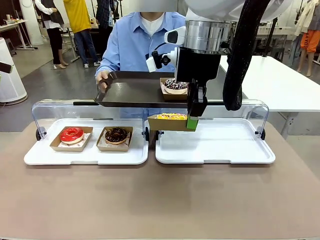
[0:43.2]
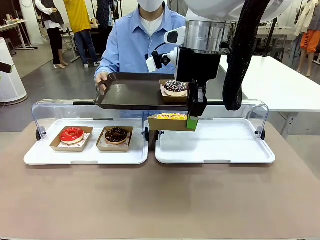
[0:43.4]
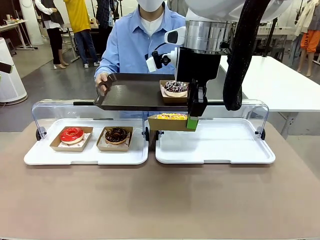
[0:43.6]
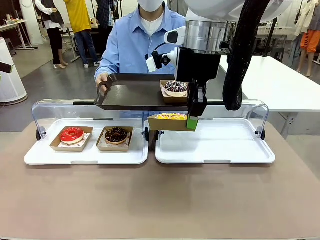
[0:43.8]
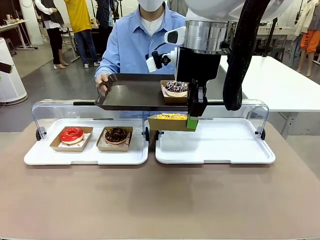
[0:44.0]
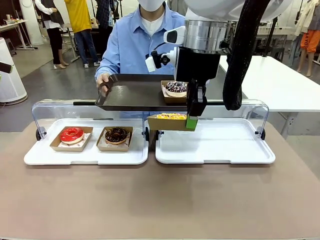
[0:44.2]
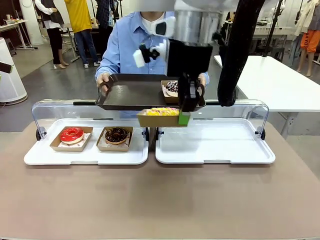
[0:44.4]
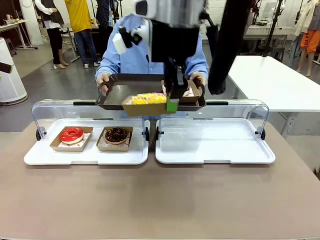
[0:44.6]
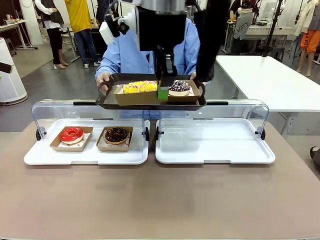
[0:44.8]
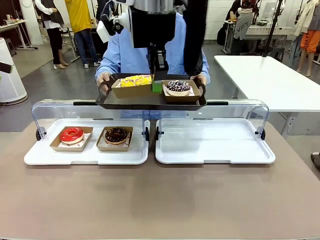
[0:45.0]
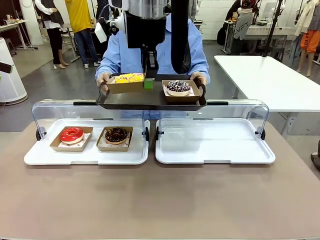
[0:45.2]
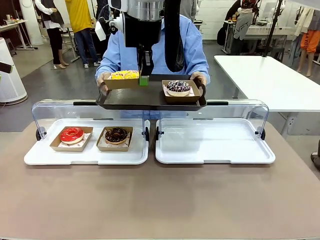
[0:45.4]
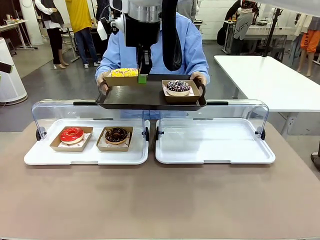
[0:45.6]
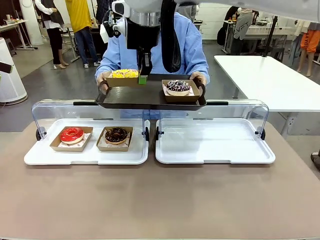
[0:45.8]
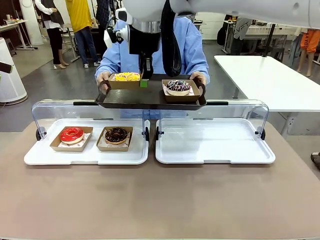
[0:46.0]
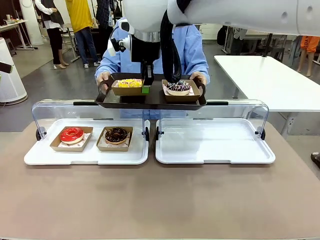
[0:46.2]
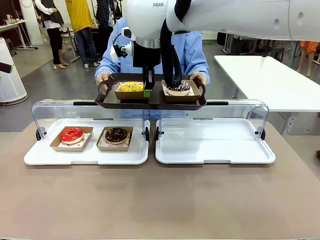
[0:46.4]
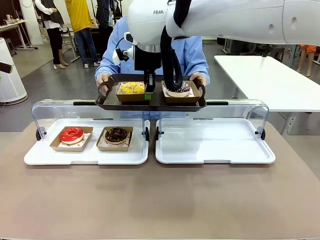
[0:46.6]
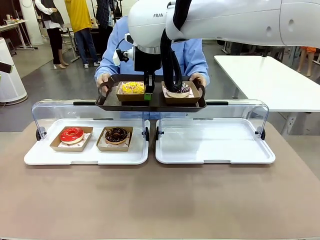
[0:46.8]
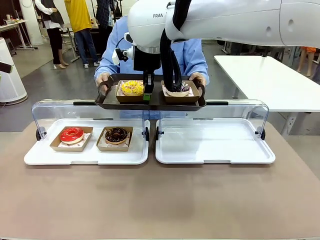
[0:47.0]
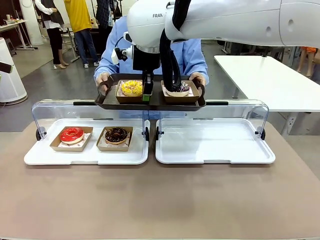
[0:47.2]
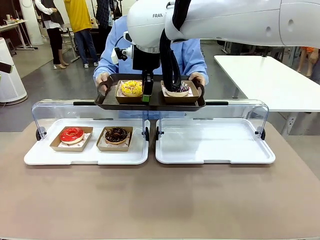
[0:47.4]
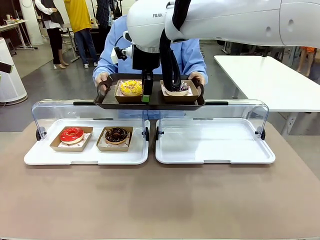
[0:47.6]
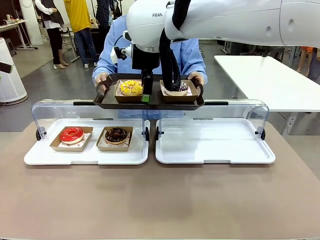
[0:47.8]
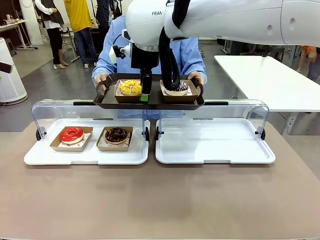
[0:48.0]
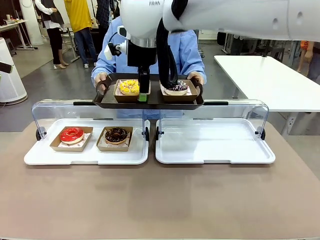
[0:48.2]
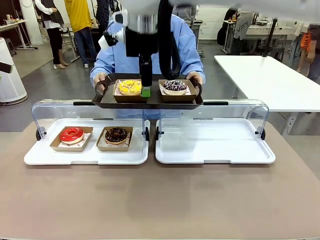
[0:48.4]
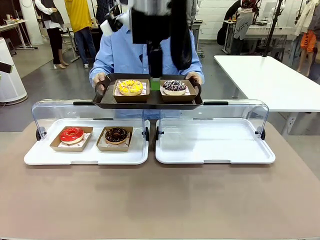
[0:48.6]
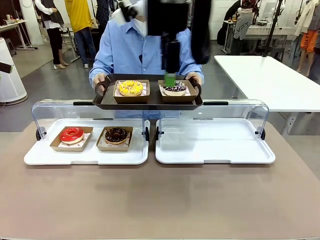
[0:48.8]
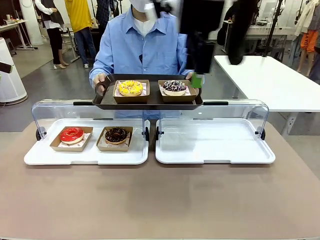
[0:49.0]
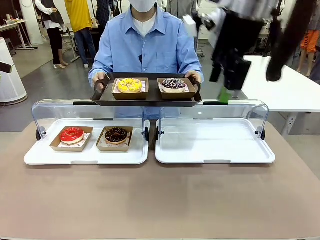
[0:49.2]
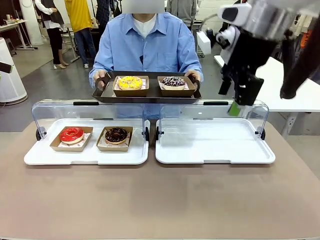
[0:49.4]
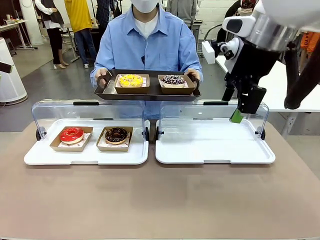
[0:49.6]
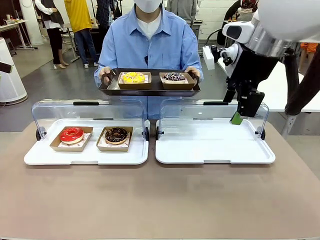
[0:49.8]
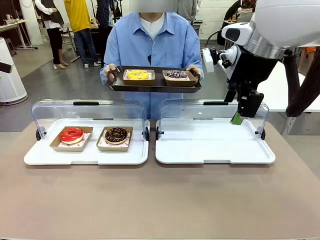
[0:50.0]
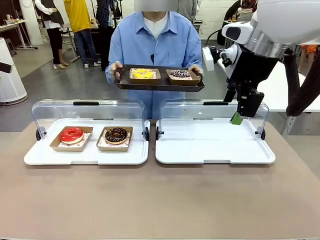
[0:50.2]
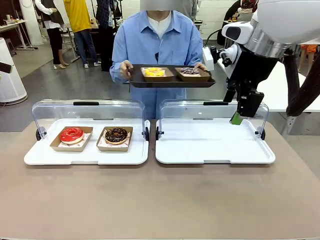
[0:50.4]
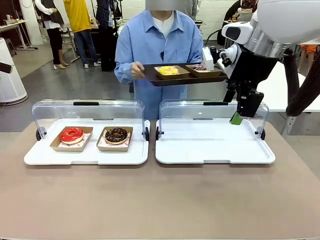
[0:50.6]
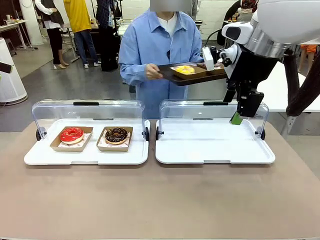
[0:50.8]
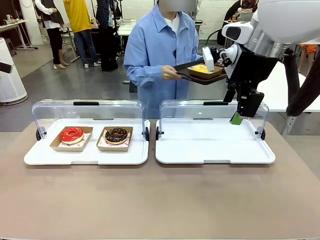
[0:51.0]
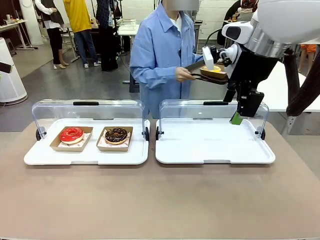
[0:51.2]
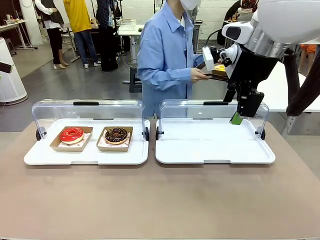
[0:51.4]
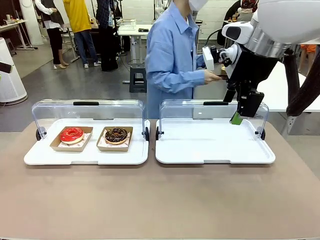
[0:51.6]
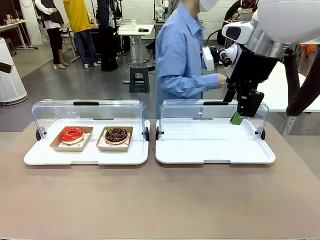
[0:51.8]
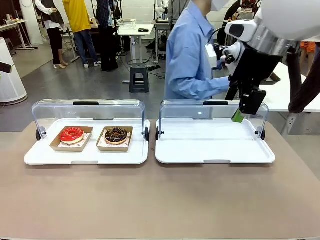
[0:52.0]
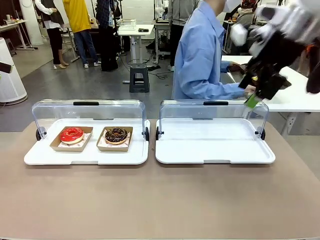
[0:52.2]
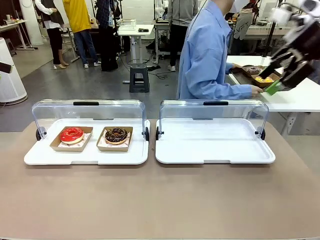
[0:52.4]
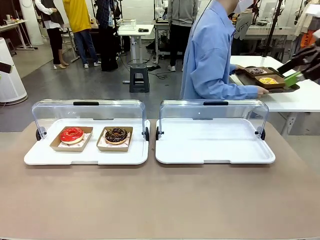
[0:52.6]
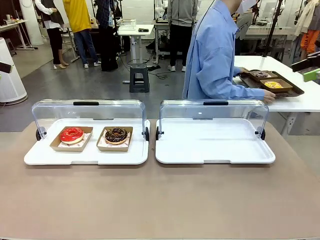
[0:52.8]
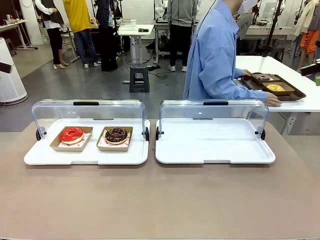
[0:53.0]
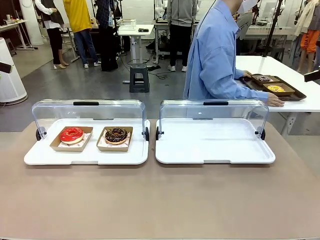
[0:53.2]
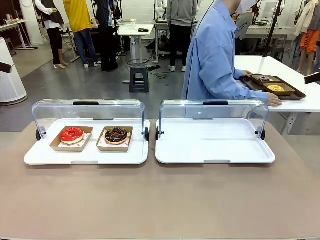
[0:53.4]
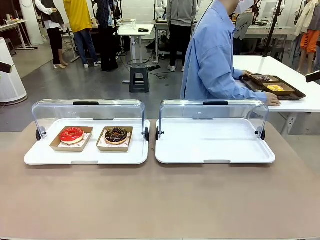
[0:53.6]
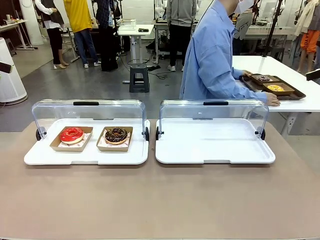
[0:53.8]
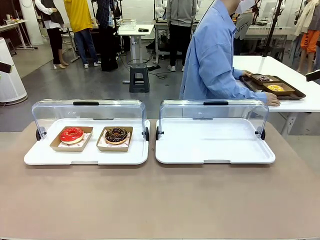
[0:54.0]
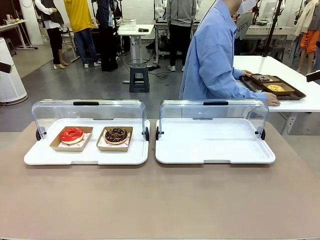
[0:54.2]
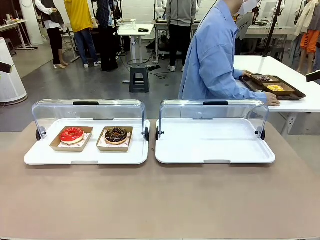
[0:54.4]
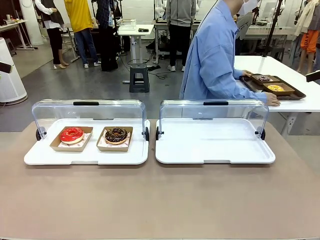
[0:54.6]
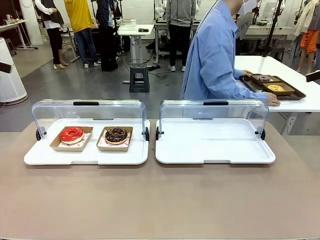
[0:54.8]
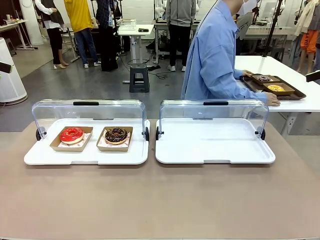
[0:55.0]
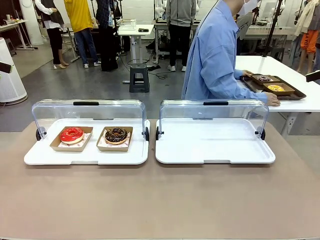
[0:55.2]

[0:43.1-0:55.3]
Task: Provide the desired donut to the person.
Robot: Place the picked Paper togo box onto the Handle tray extended by the person.
Person: Place the tray in the middle of the human table.

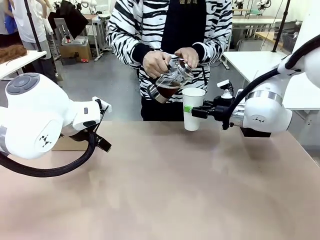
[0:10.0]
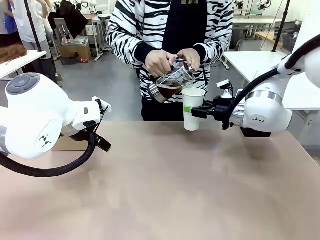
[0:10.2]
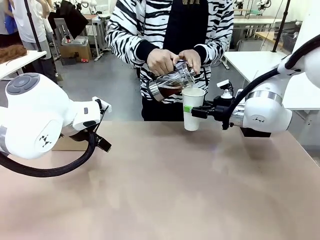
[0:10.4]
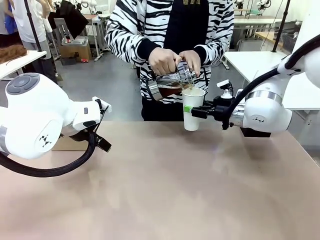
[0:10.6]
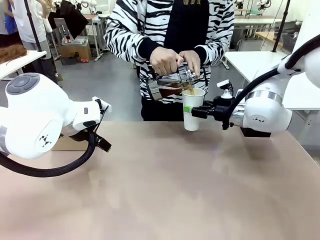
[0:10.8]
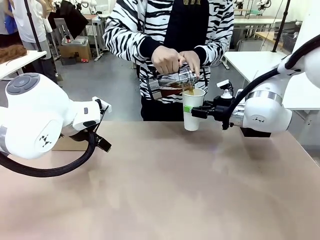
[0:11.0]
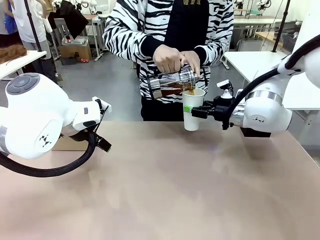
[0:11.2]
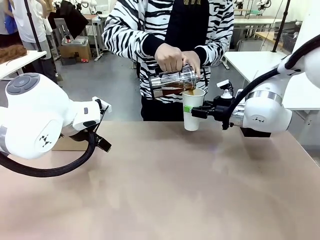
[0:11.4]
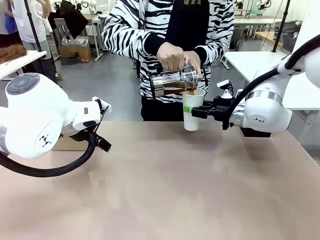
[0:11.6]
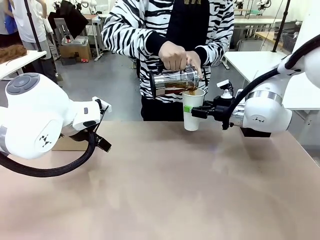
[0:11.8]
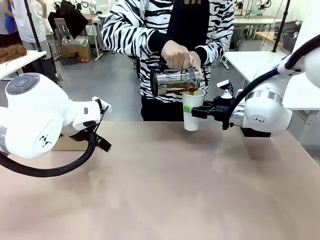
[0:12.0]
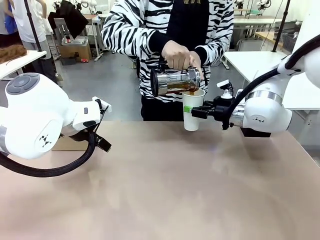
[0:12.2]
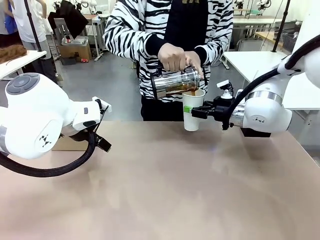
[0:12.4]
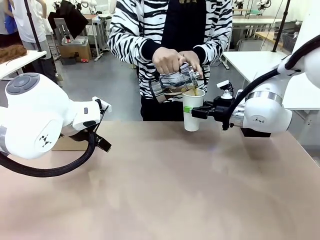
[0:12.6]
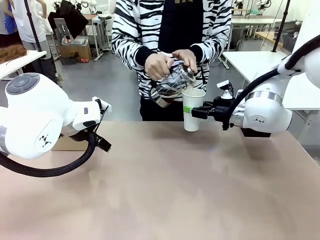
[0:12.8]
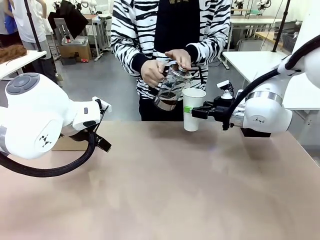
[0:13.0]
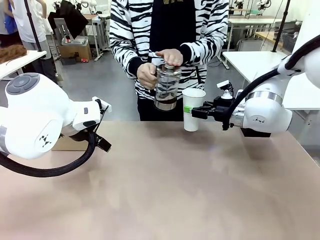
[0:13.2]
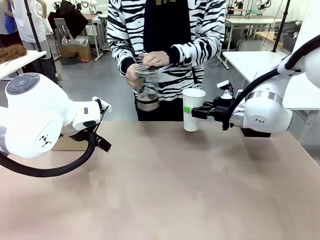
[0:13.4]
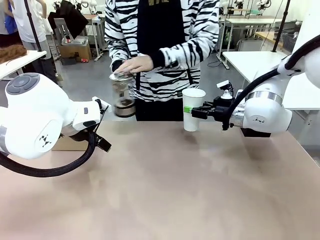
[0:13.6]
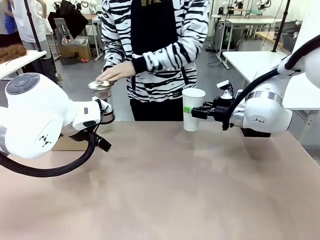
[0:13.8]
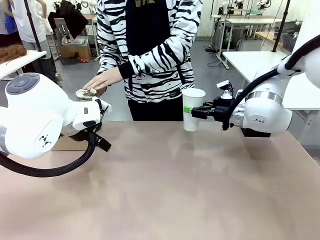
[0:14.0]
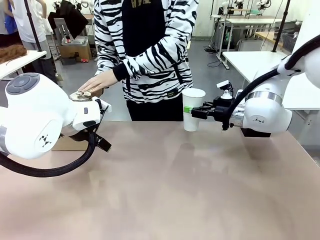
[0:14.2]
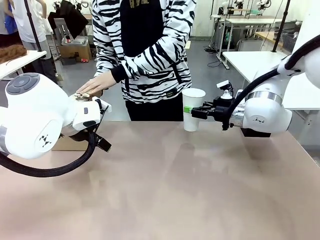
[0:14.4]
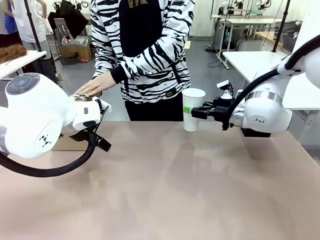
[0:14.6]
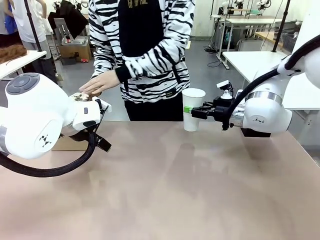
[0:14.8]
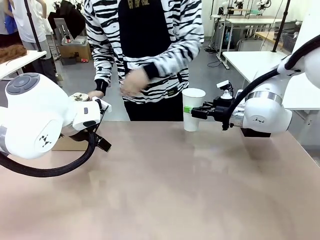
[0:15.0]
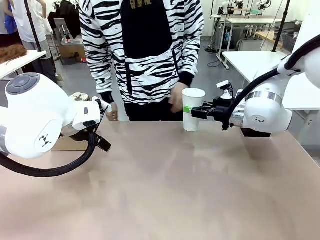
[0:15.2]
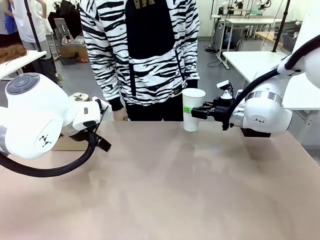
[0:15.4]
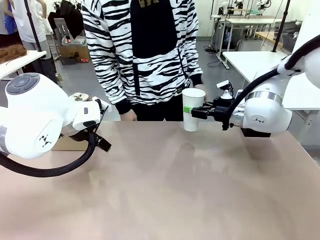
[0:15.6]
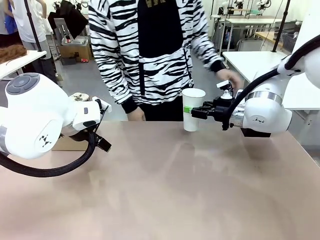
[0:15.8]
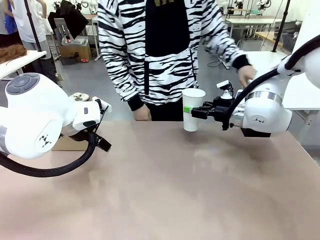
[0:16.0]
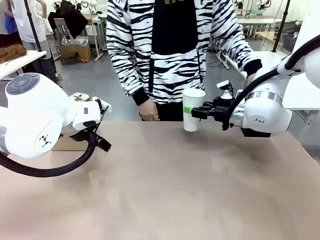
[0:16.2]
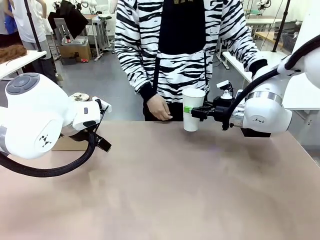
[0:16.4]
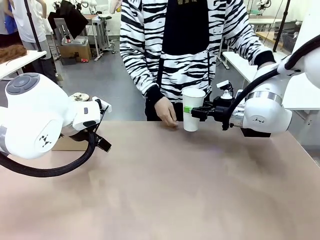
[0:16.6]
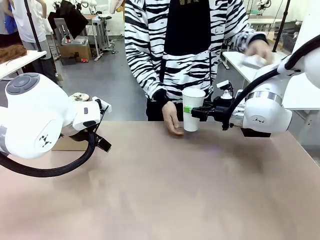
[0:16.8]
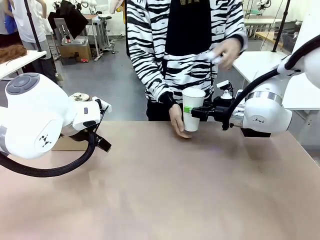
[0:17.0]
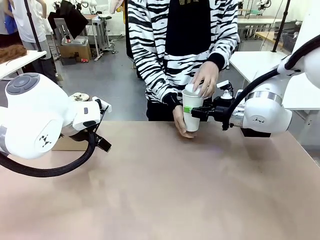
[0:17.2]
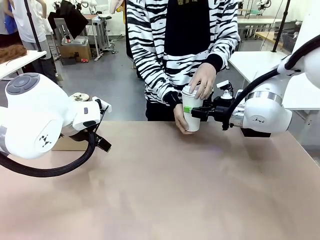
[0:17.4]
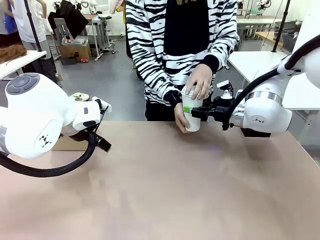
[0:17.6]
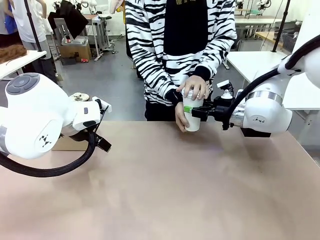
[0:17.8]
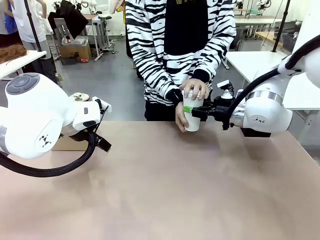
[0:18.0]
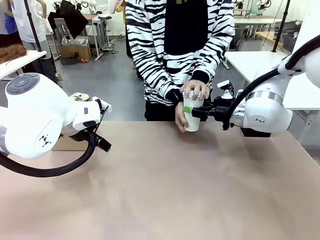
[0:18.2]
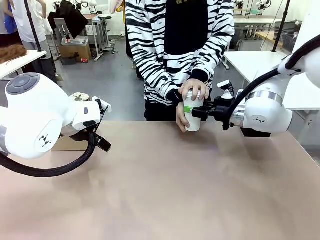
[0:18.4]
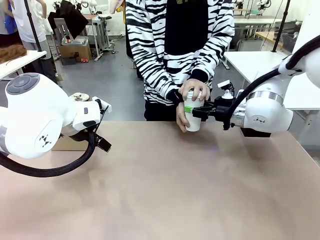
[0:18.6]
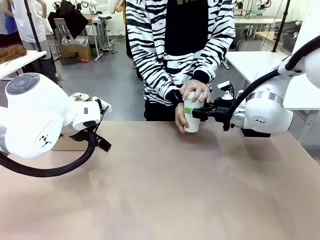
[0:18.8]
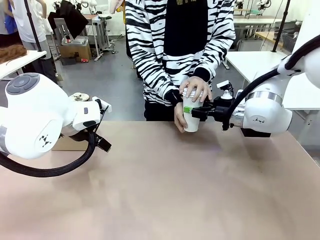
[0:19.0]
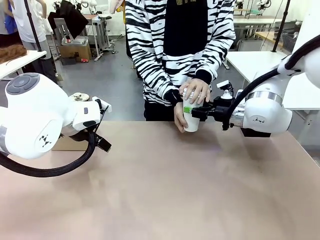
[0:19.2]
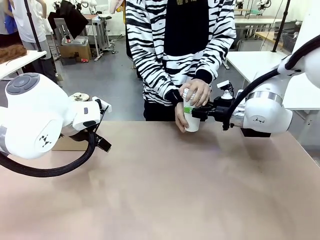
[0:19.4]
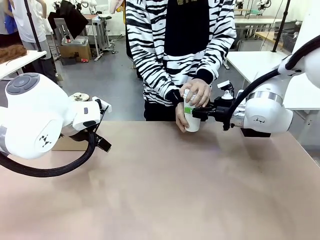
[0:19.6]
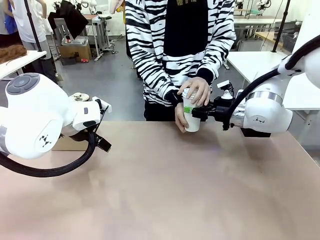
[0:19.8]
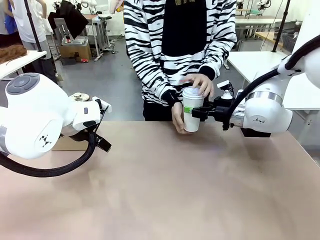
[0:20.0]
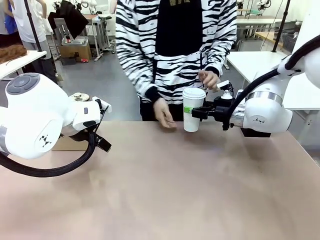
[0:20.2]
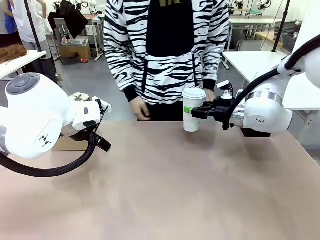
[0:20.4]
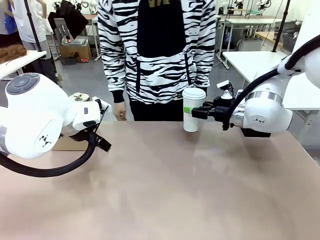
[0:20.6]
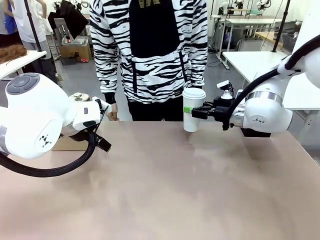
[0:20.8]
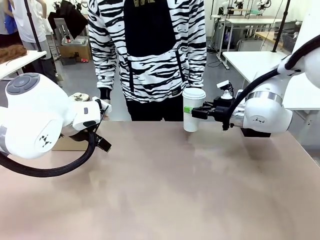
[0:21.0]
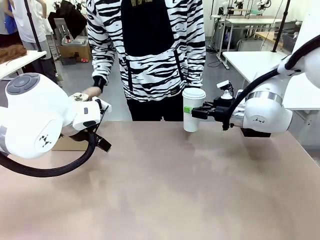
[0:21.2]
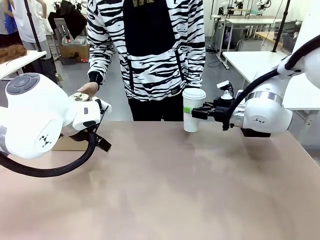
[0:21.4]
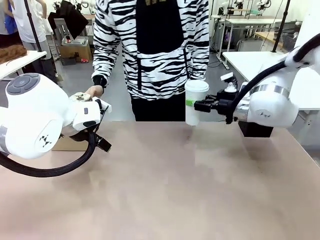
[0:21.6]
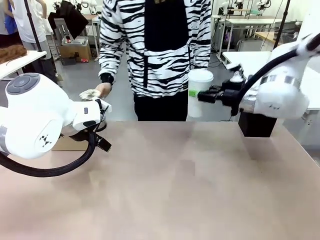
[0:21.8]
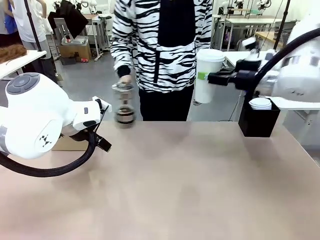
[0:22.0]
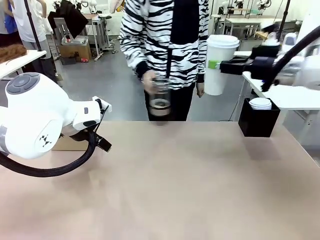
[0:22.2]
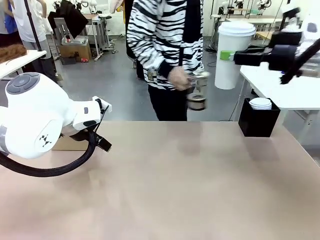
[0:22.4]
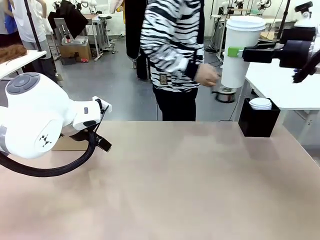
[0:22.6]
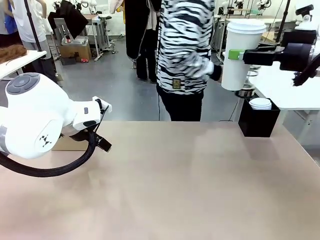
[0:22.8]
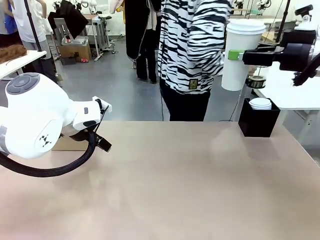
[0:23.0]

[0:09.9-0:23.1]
Task: Pour a drink into a cup and package it in a carrier.
Robot: When a person places the Paper Cup Lid on the 600 ml Paper Cup , lift the 600 ml Paper Cup.
Person: Pour the drink from the Filter Brewing into the 600 ml Paper Cup. Place a Paper Cup Lid on the 600 ml Paper Cup.
